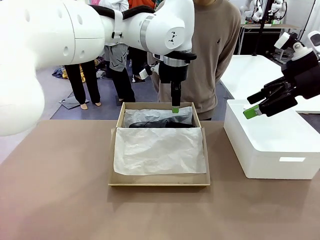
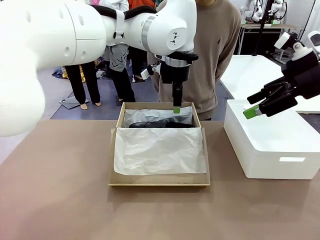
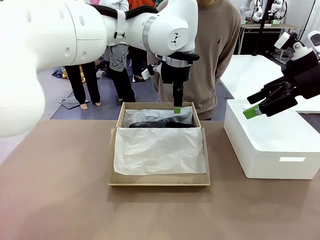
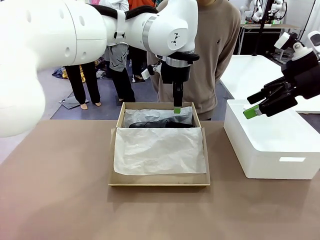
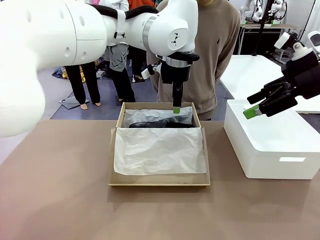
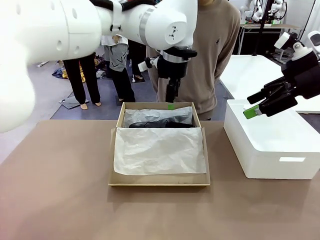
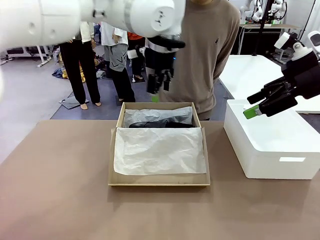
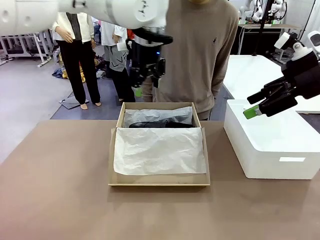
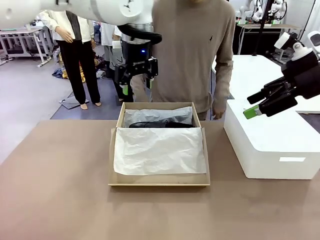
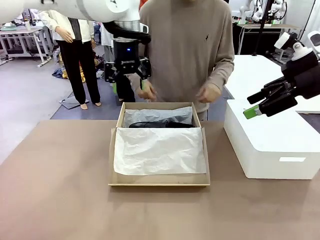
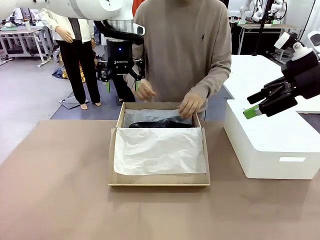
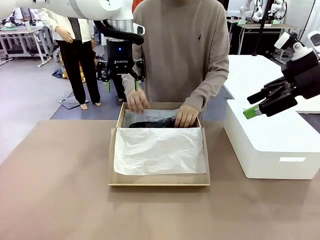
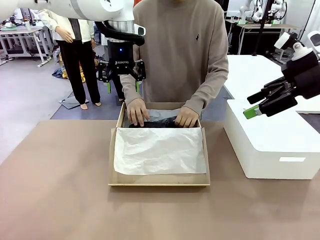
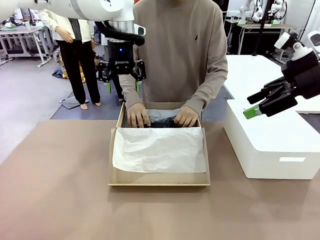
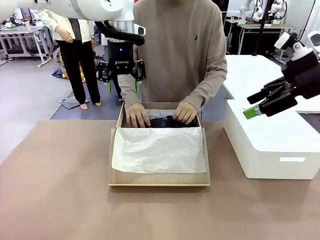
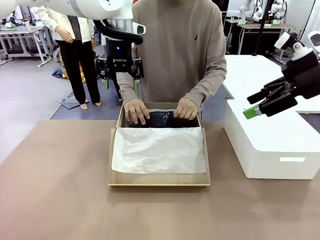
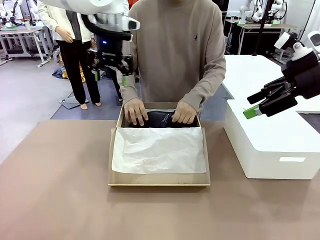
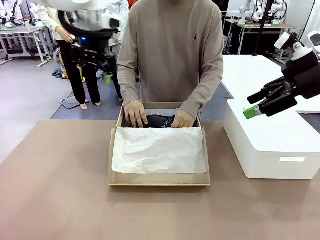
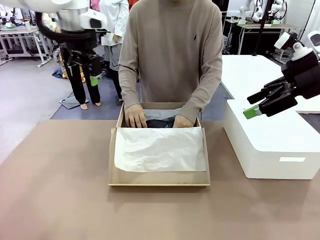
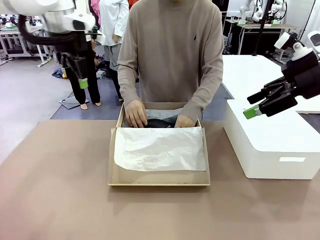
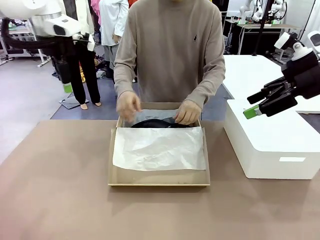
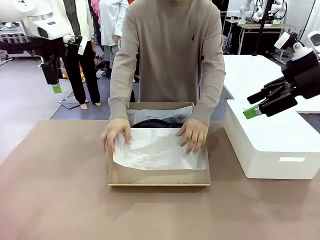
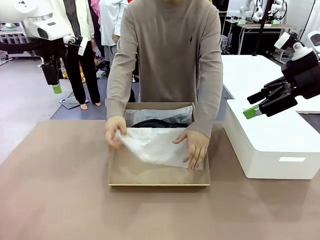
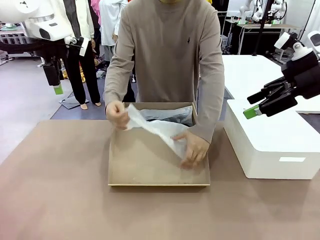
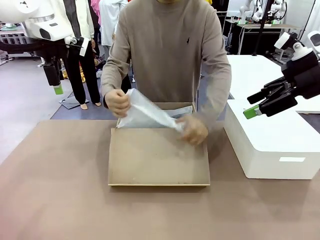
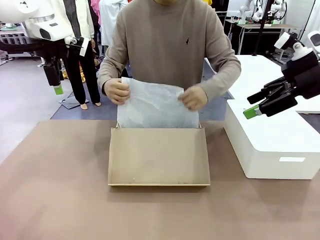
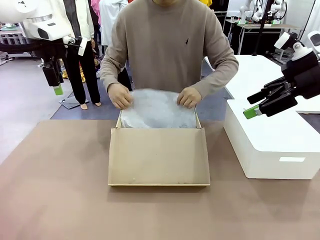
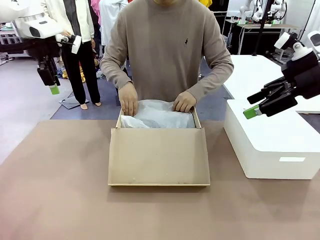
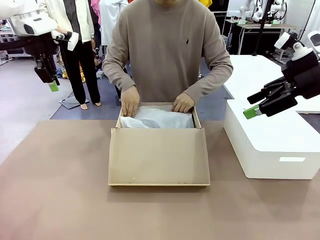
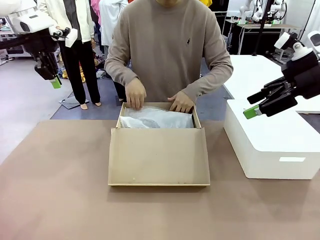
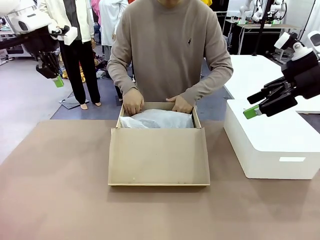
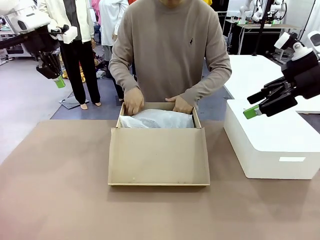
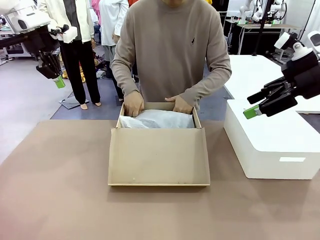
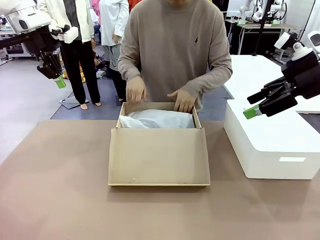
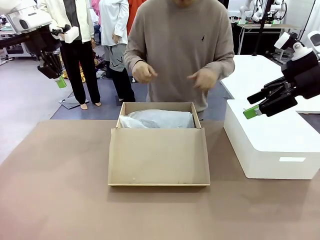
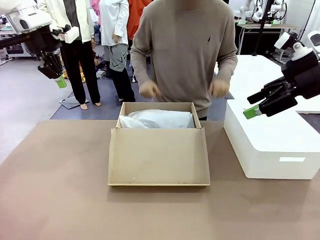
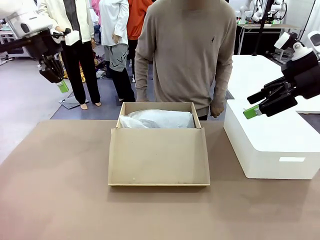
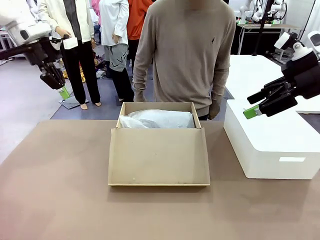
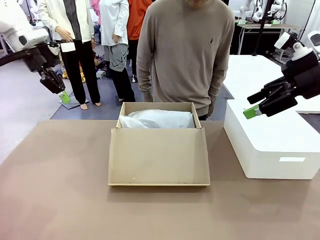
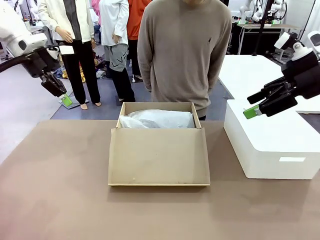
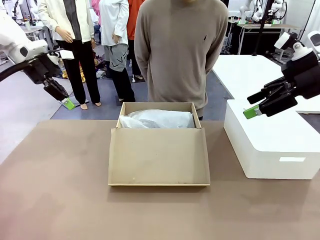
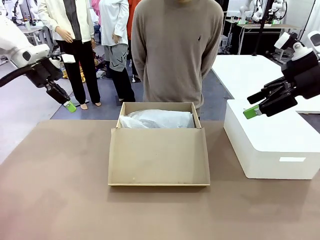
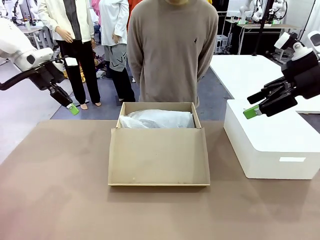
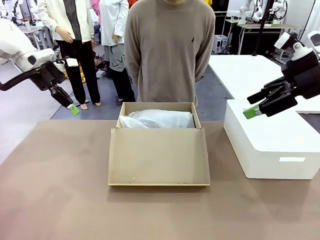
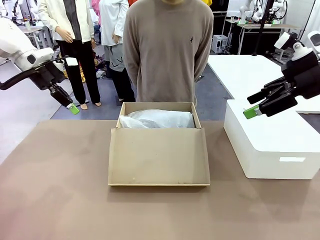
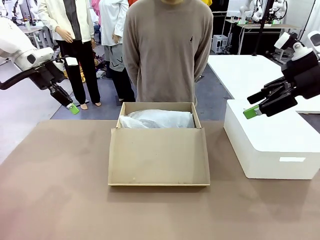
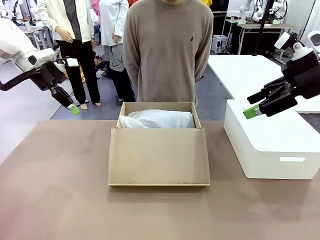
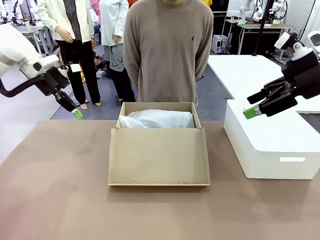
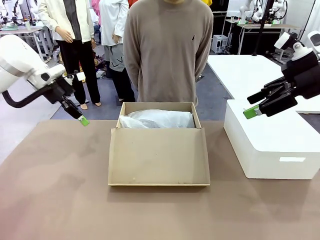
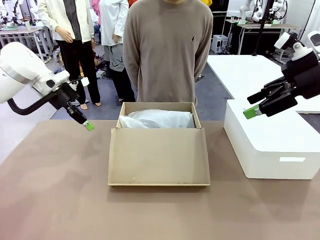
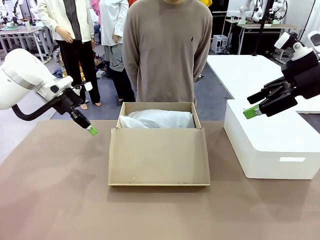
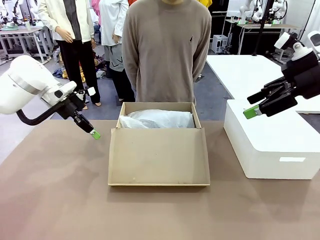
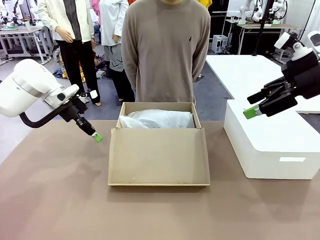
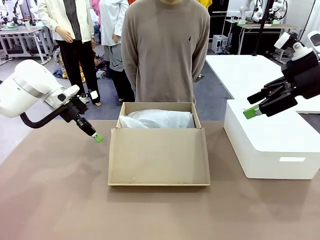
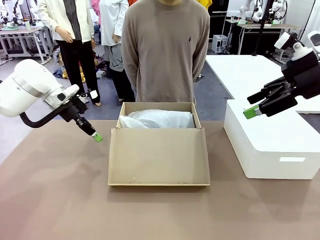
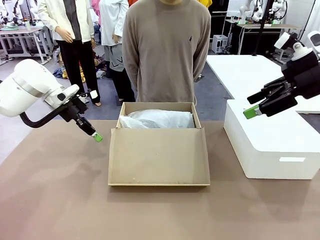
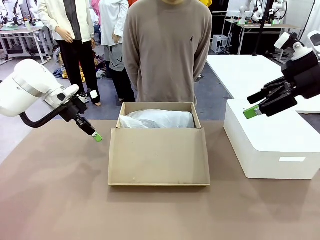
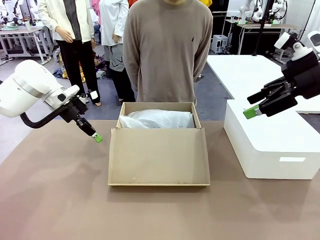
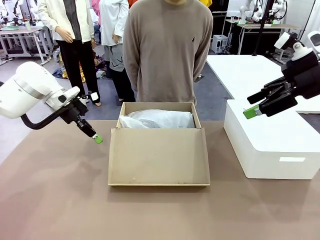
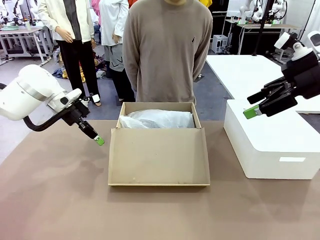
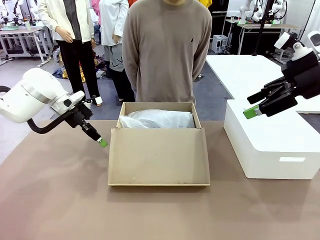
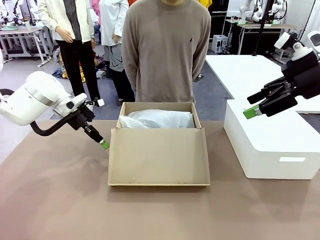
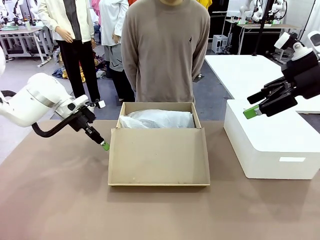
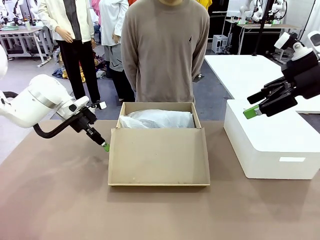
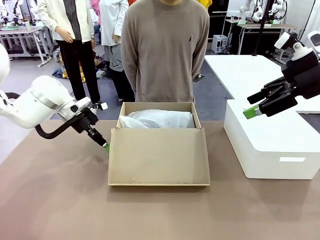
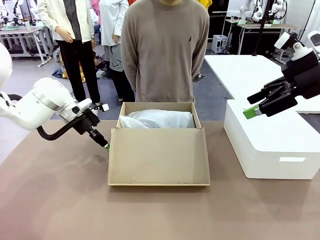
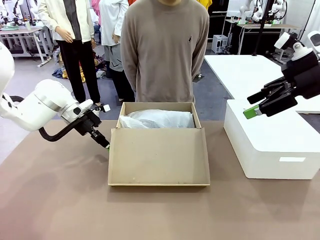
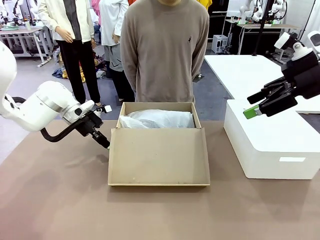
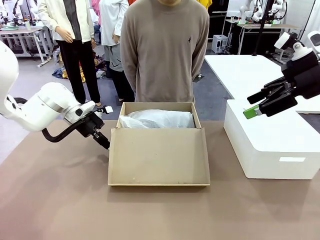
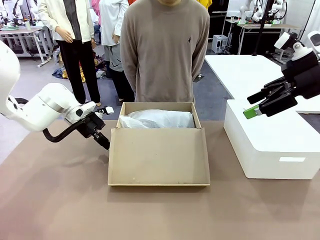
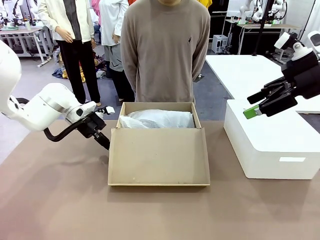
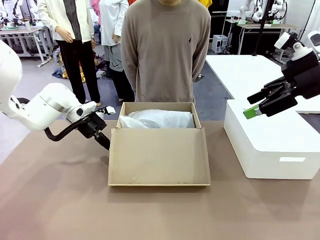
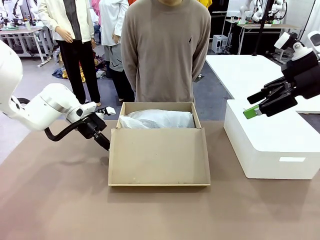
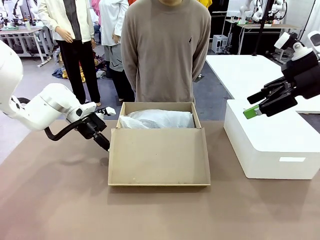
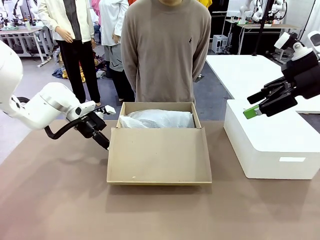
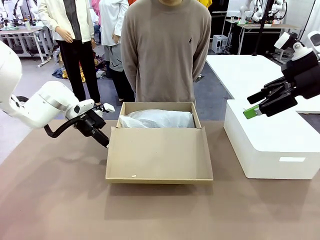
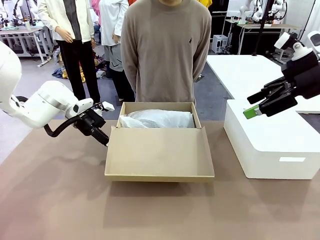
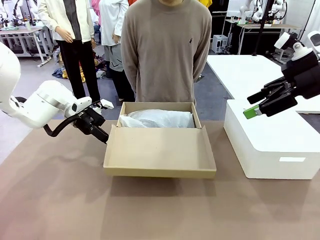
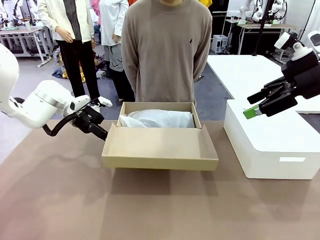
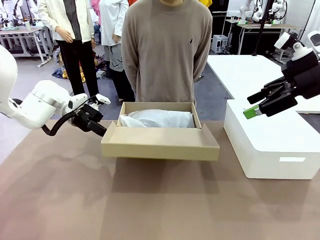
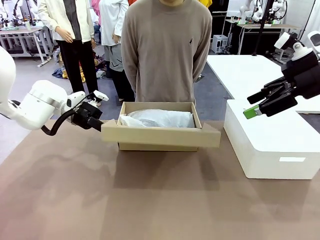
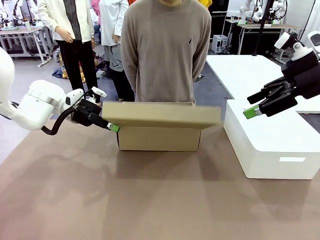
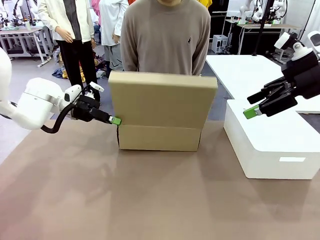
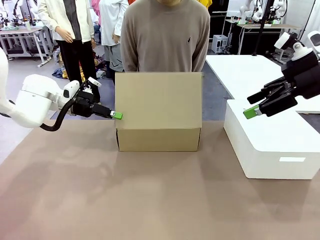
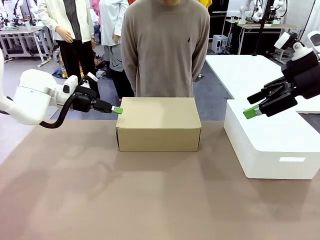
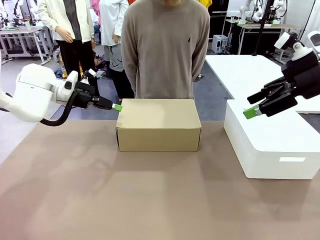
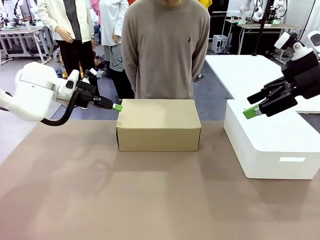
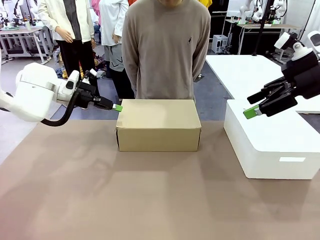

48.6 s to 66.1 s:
Task: Pack the shoes into the box.
Robot: Close the Shoes Box.

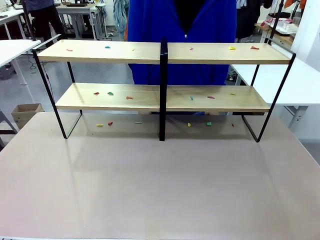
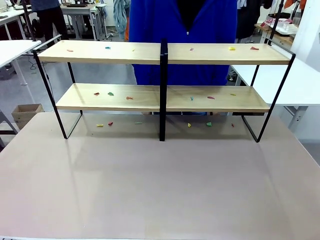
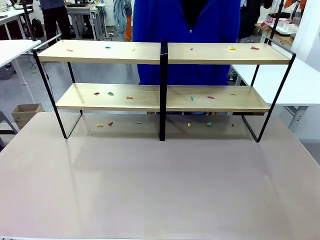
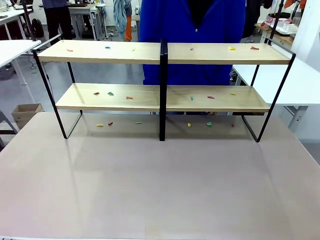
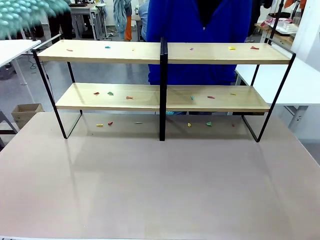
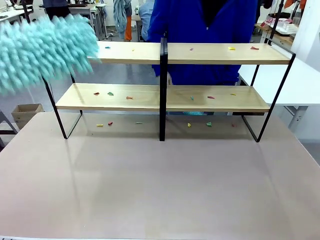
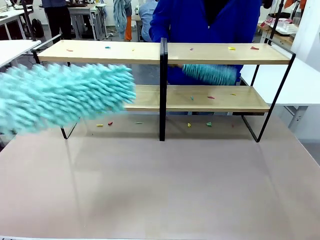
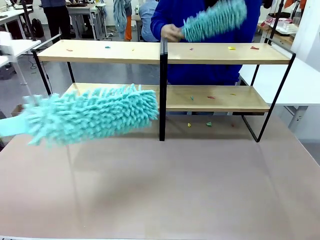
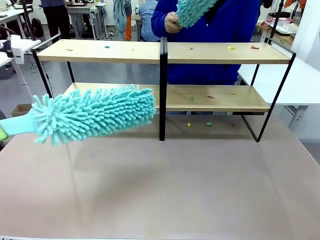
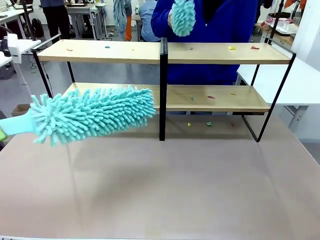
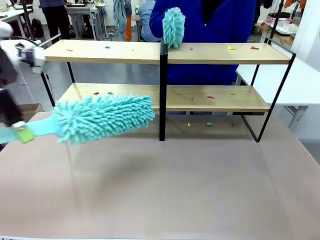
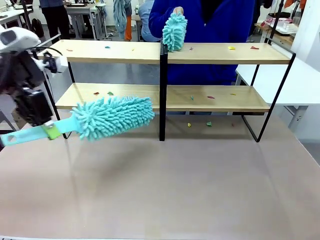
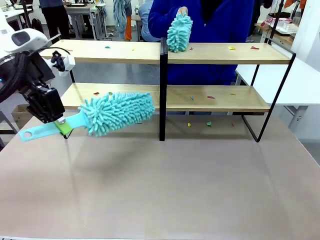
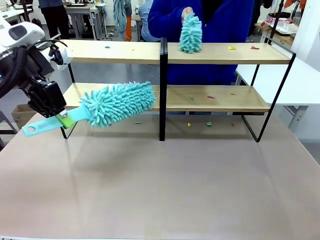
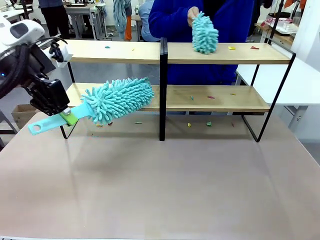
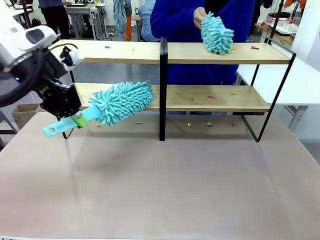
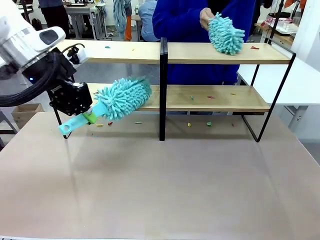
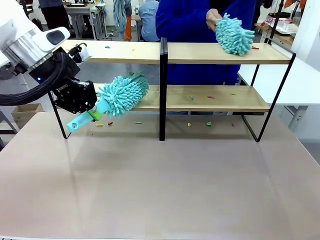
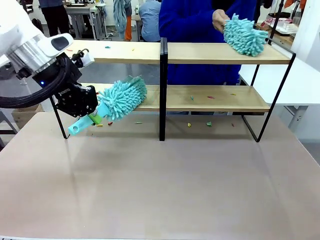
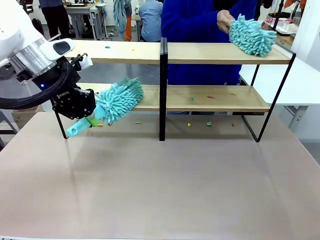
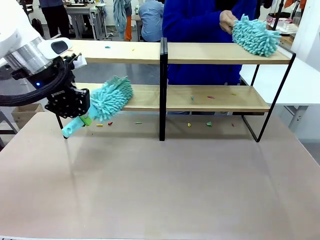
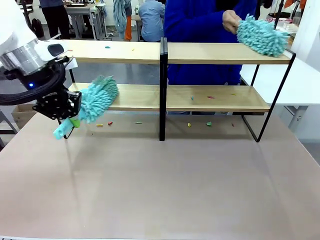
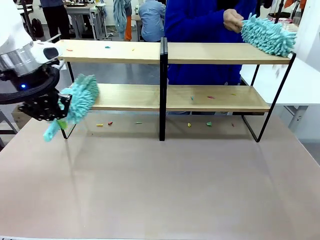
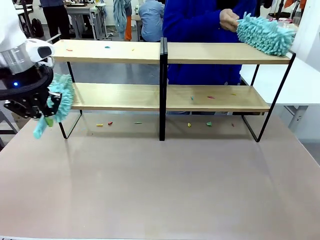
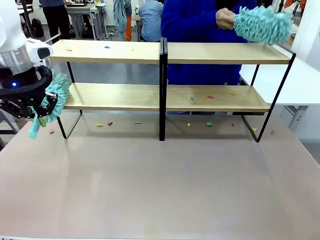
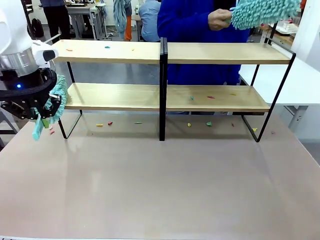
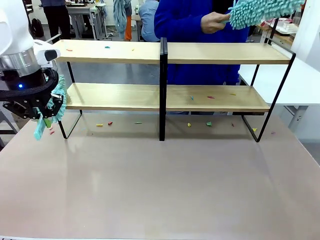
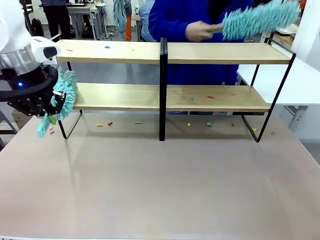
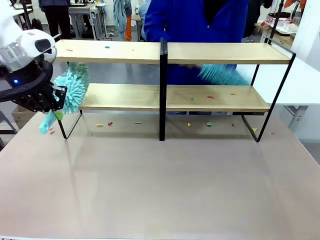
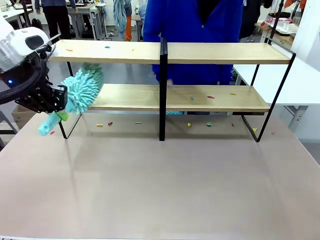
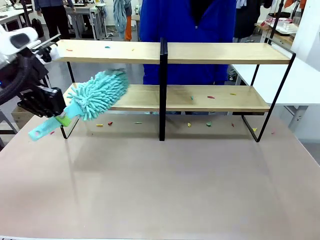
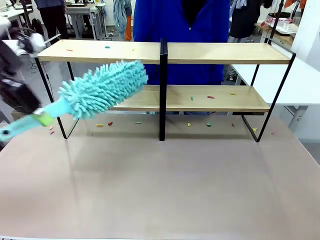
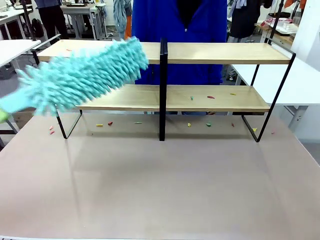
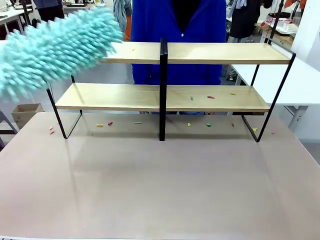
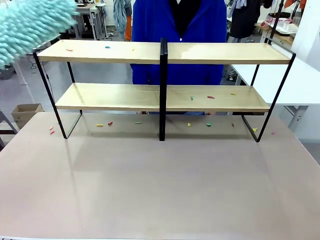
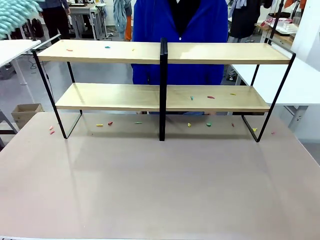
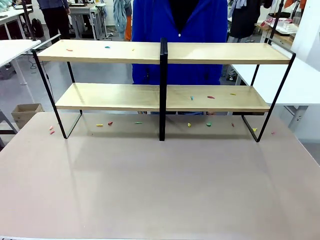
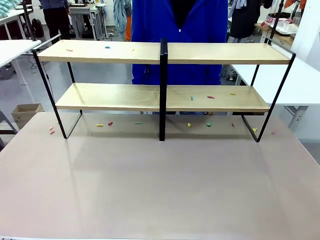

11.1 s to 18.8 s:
Task: Clean the shelves.
Robot: Clean a randomly selected level of the Shelf with the Duster.
